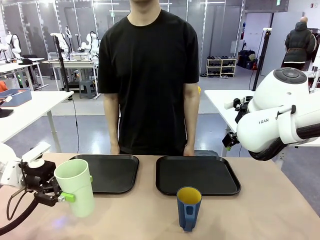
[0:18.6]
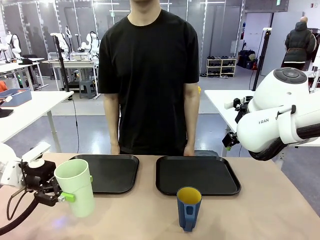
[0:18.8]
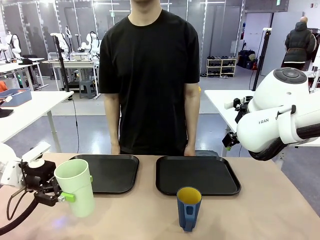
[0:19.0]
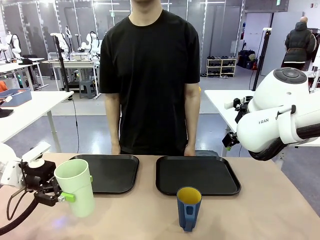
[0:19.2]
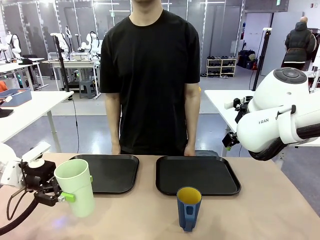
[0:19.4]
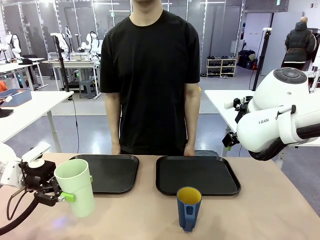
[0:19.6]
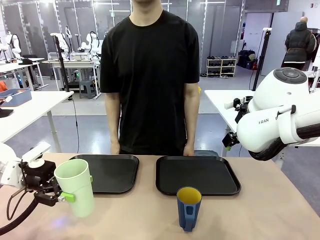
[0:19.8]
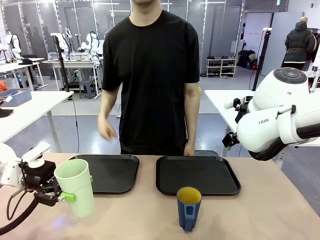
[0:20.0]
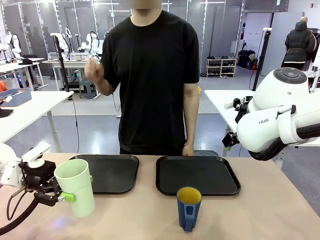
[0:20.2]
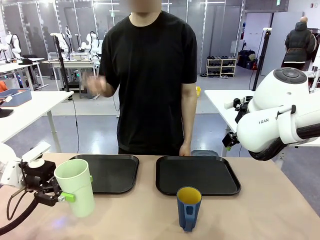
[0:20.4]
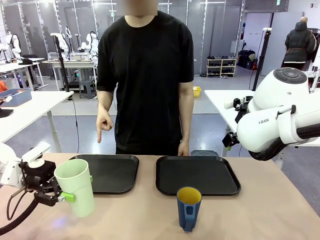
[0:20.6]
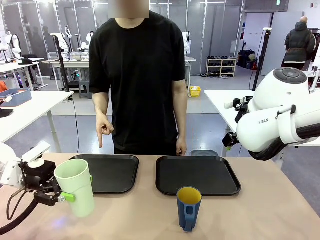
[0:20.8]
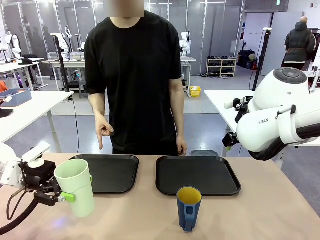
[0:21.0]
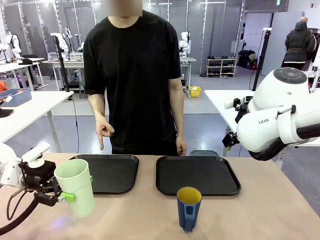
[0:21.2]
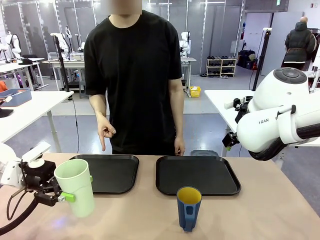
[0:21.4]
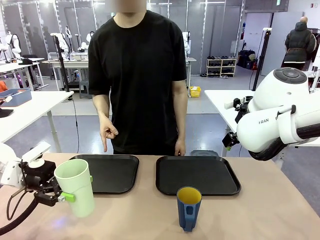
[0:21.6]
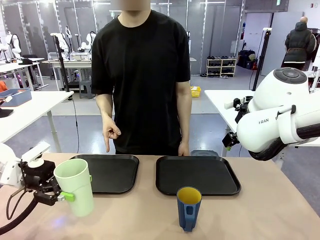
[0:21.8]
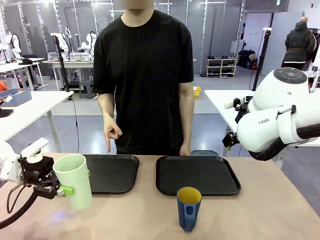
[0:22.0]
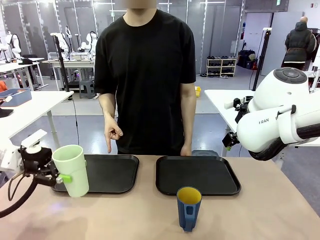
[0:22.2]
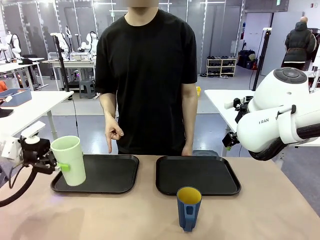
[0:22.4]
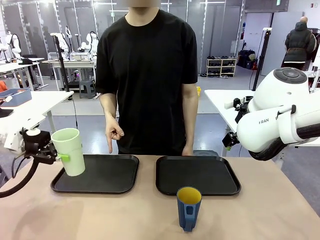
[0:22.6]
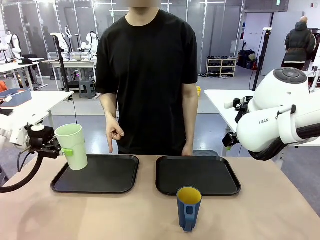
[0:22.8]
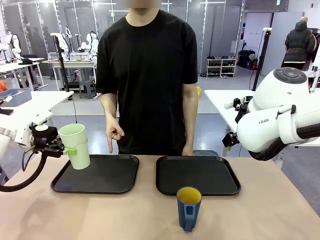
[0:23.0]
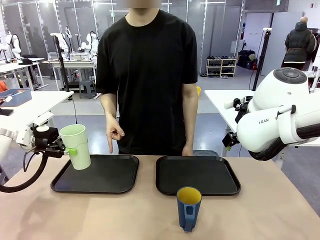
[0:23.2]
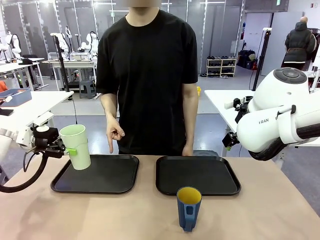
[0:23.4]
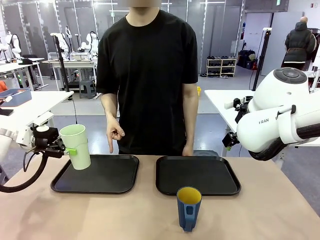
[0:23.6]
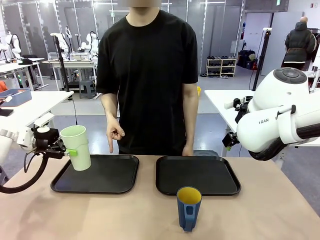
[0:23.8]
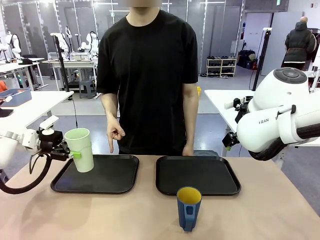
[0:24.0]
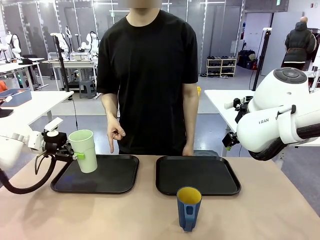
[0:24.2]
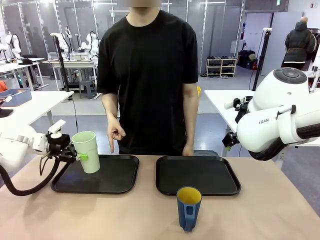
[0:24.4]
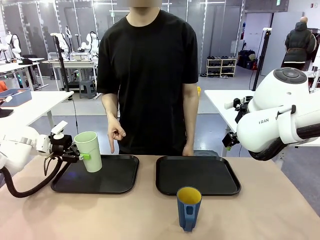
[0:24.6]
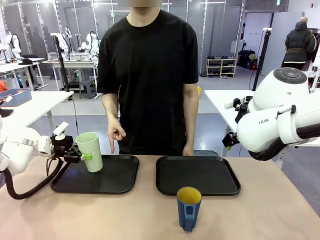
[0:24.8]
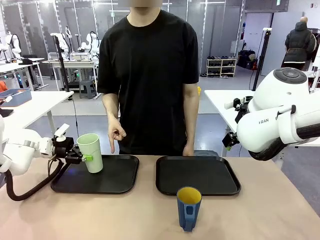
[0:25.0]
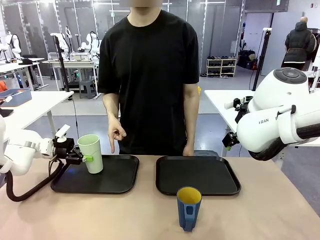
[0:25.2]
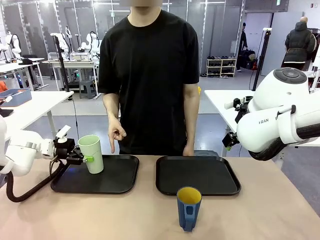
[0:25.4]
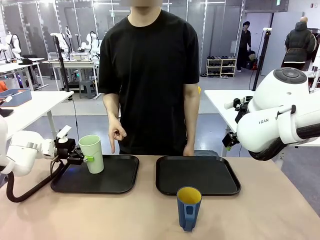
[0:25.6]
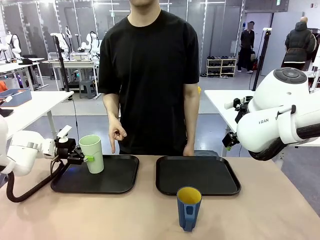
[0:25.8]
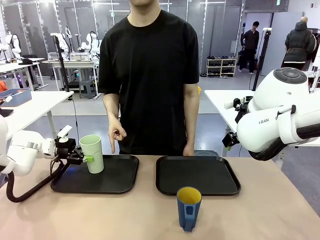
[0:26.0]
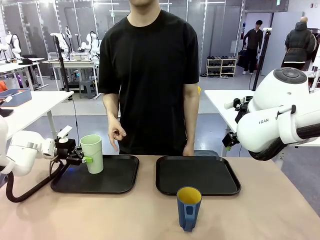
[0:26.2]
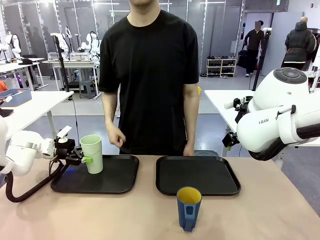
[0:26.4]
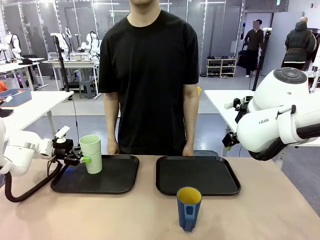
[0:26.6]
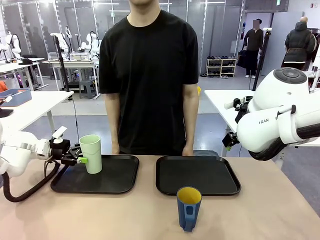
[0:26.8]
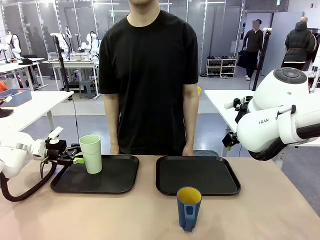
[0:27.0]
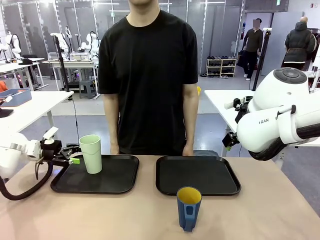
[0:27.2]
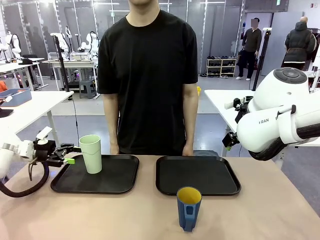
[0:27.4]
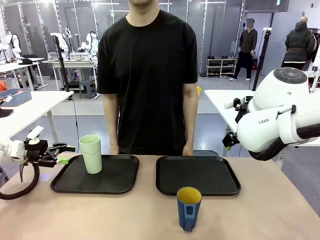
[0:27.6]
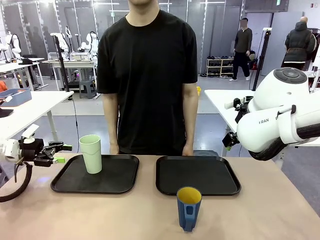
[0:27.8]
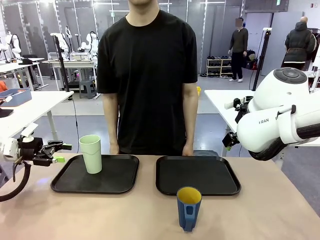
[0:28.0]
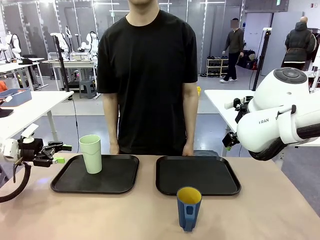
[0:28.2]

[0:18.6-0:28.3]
Task: Sort and store the cups by type.
Robot: Place the picked Reusable plastic cup into the Flat Tray indicated by the person.

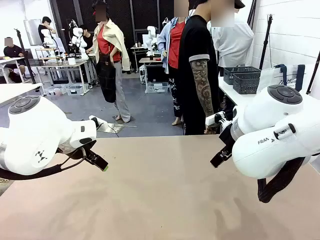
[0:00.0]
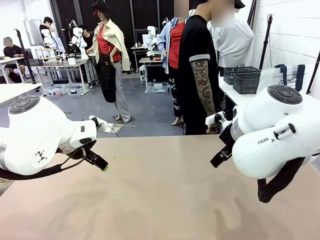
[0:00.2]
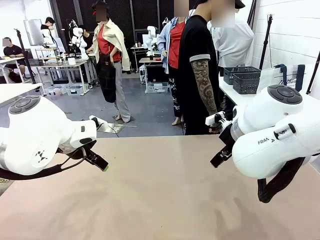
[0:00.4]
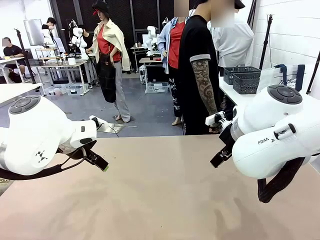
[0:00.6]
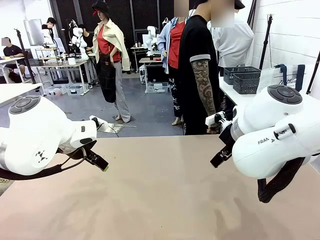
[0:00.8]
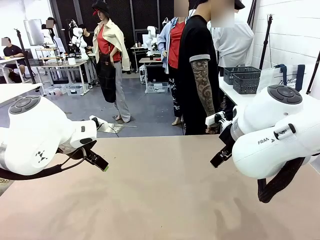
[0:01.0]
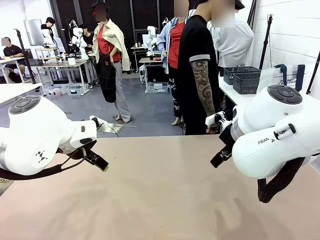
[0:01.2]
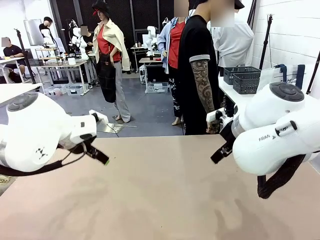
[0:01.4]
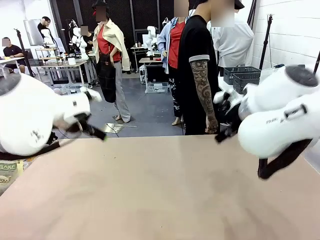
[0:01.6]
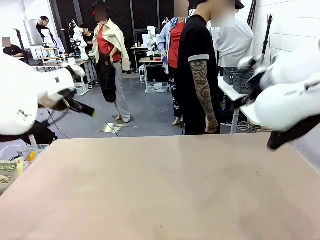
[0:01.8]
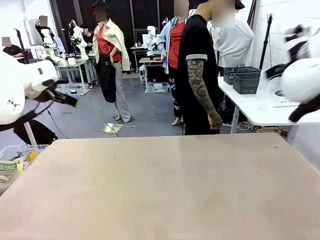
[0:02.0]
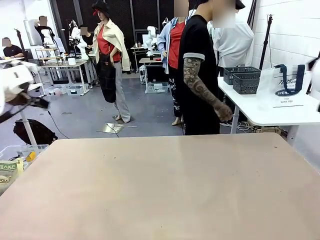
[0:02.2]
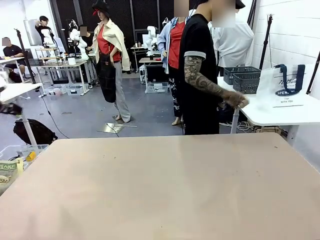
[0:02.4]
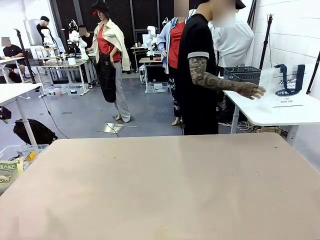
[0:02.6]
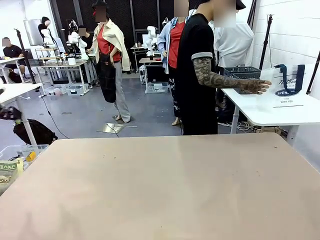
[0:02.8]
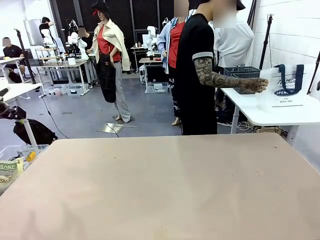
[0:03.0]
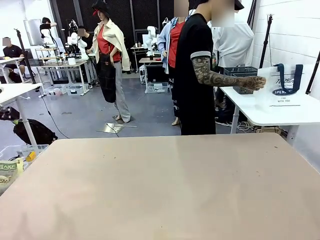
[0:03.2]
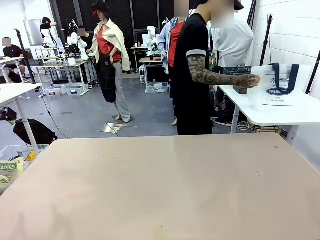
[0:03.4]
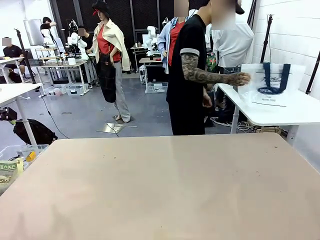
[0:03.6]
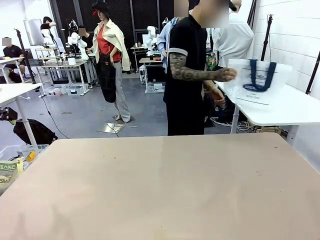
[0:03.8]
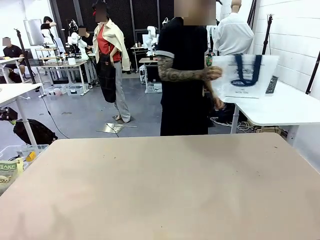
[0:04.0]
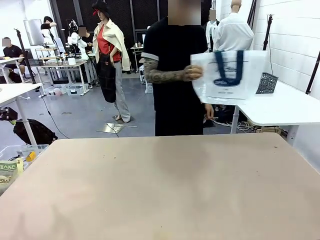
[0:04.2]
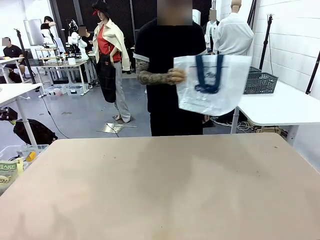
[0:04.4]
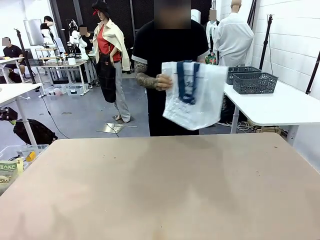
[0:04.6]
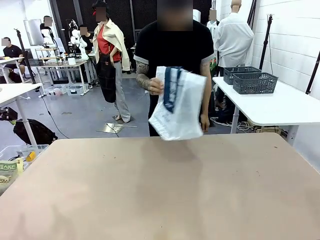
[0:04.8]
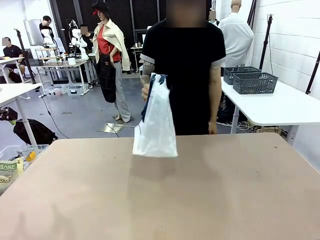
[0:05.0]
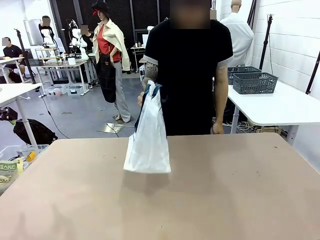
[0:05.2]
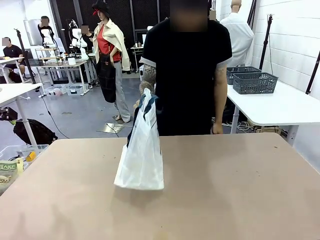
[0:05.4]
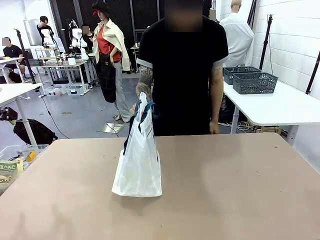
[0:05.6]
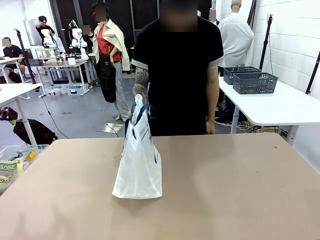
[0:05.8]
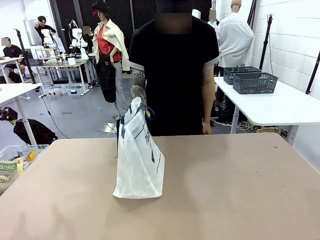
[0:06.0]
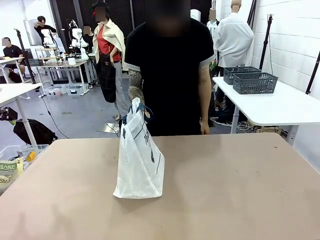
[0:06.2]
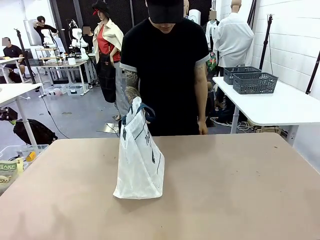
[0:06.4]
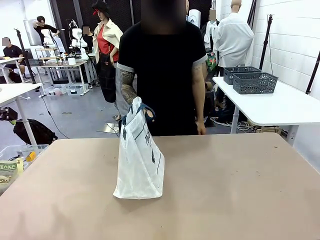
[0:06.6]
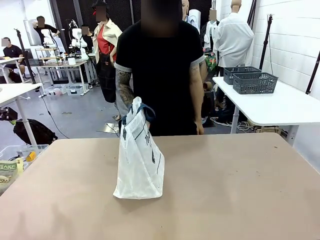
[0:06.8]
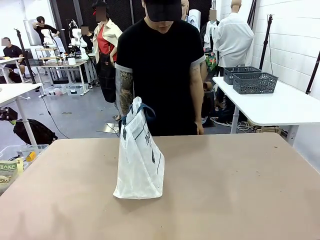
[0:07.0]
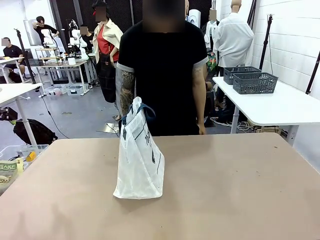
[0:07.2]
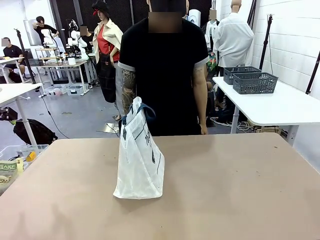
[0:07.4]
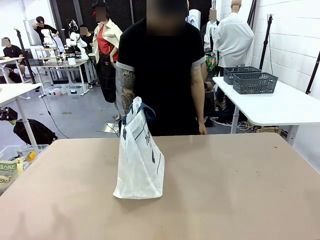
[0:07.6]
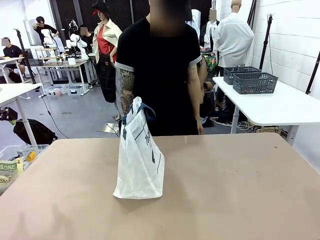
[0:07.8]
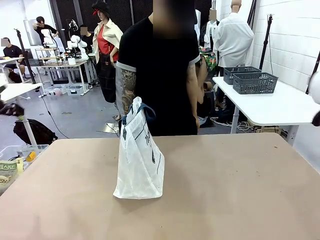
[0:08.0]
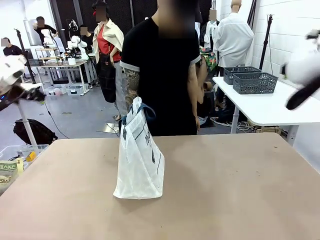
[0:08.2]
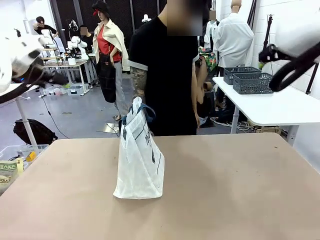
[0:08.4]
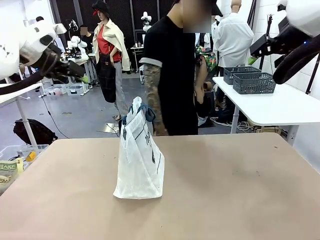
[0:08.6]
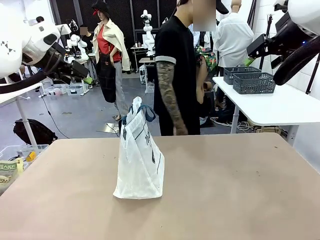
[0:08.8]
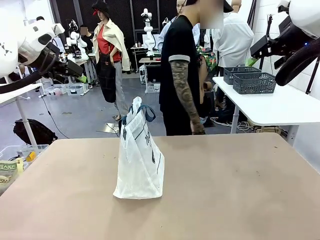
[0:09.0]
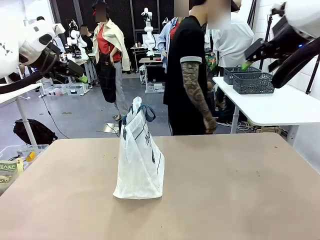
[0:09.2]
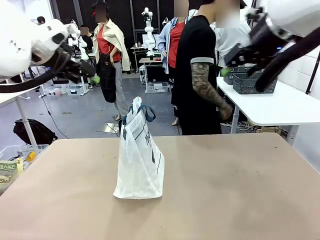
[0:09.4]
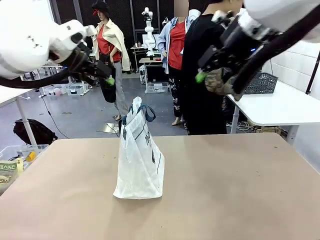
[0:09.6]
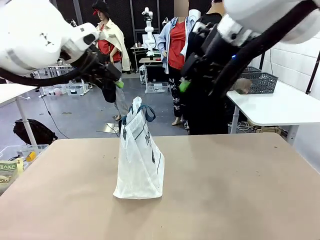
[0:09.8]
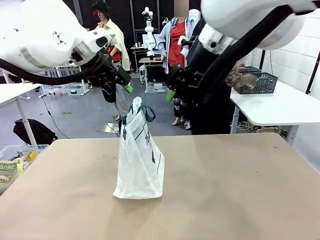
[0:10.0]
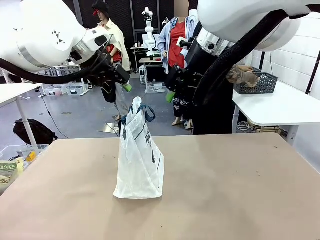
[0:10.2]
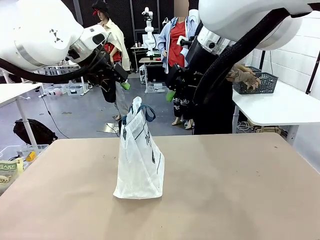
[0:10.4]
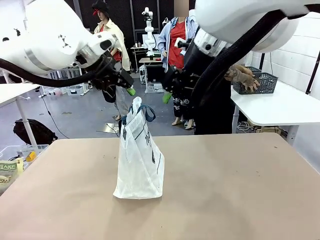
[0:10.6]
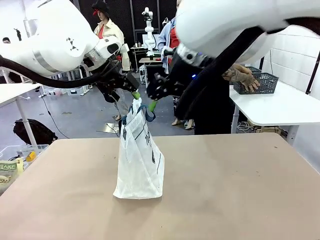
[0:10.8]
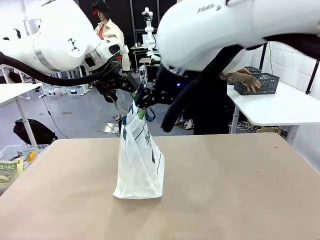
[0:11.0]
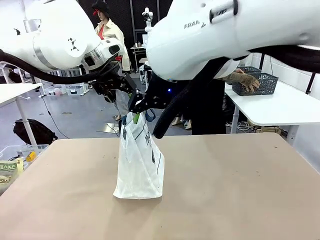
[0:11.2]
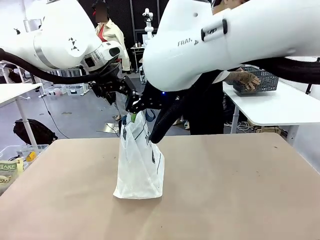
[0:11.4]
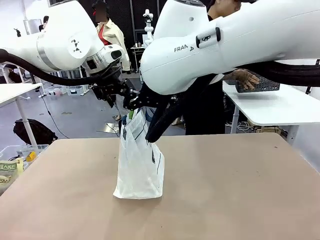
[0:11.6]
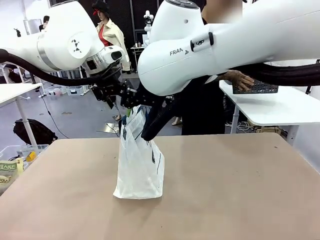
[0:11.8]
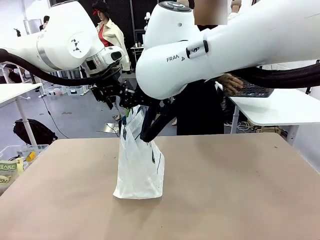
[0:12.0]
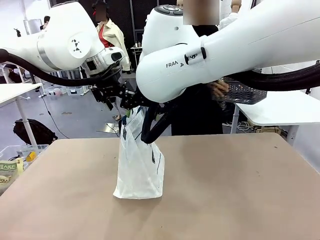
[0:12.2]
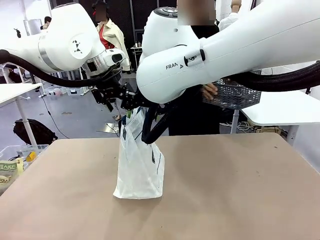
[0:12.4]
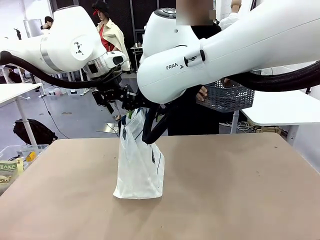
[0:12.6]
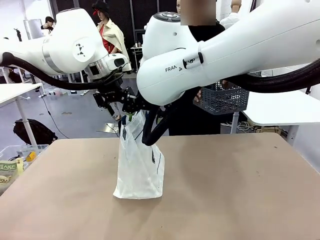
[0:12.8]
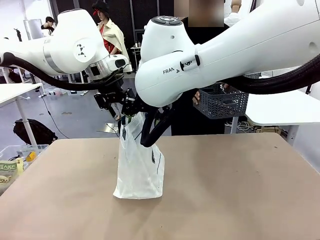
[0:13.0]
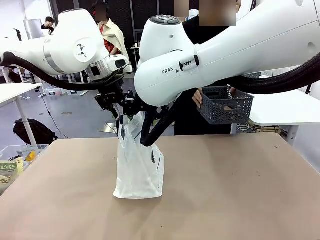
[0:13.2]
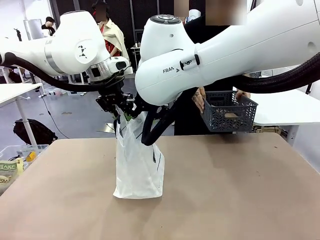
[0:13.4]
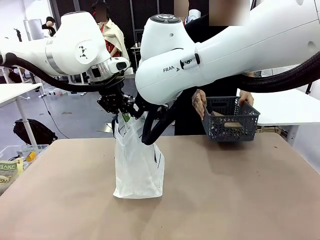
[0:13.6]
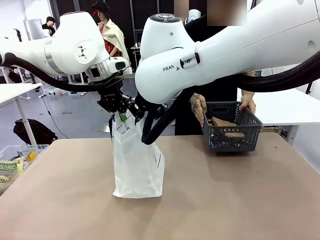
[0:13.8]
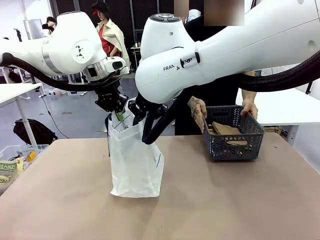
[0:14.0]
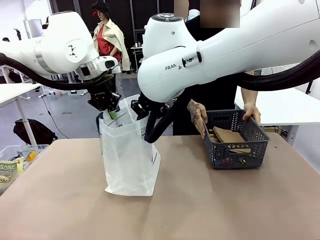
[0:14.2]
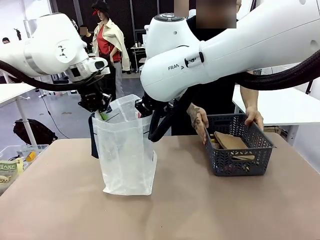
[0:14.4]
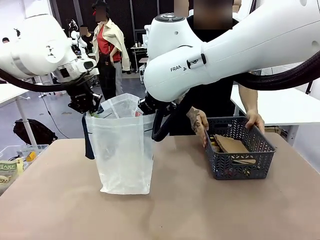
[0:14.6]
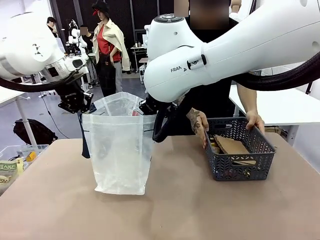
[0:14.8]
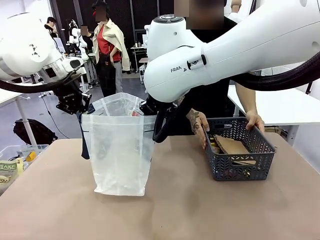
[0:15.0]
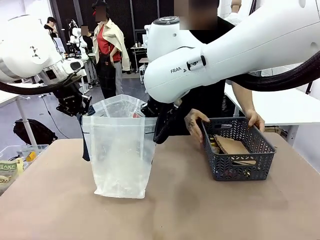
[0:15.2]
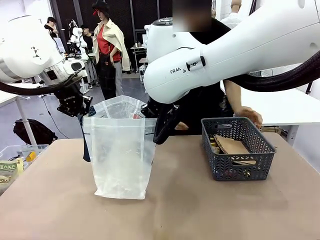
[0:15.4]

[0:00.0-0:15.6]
Task: Transfer purchased items from the store into the shopping bag.
Robot: Open the Reusable shopping bag in the center of the table.
Person: Pick up the shopping bag and place it in the middle of the robot table. Pick up the basket on the right, place it on the left side of the robot table, and move the items in the basket to the shopping bag.
